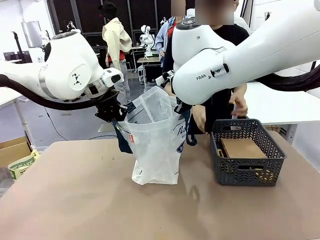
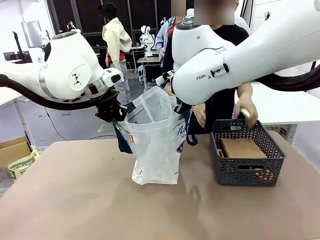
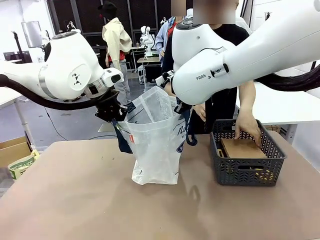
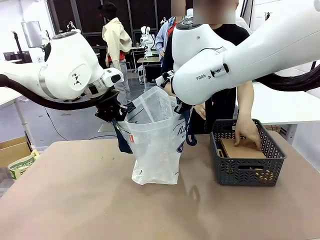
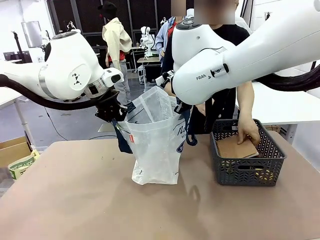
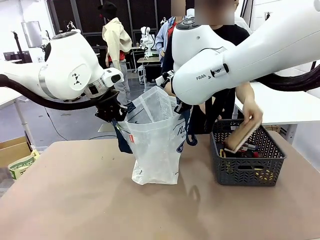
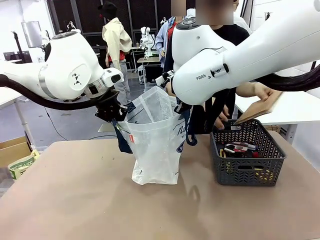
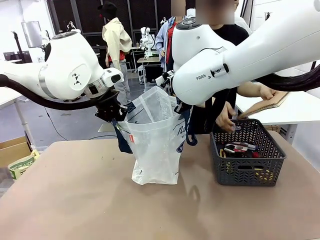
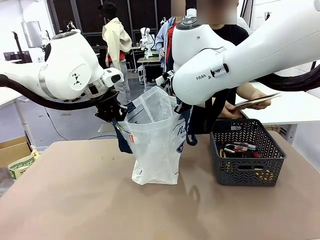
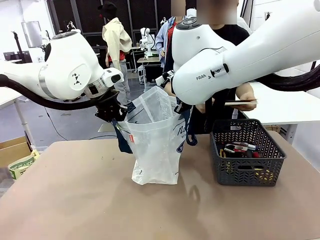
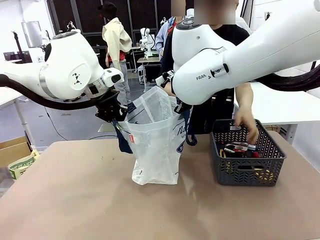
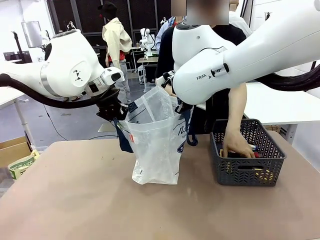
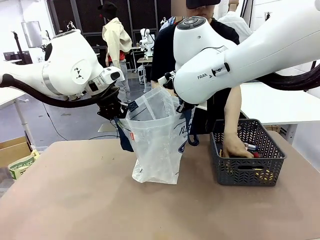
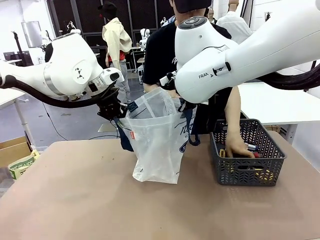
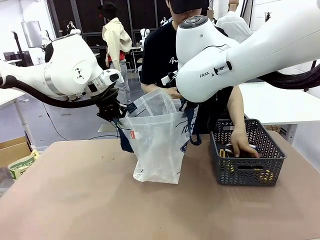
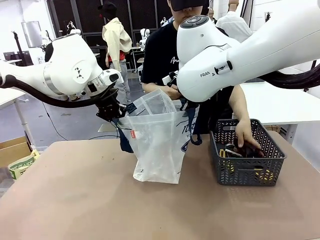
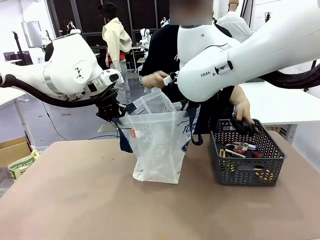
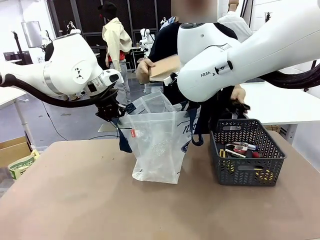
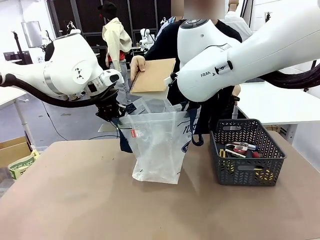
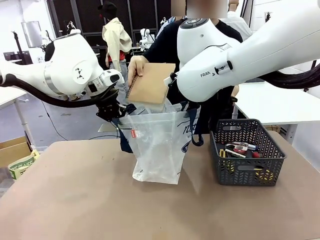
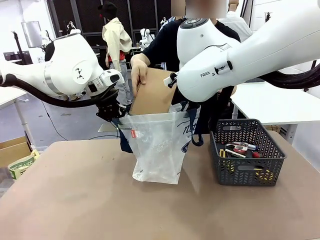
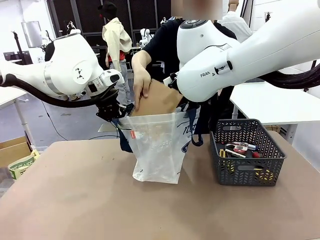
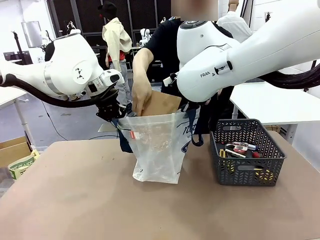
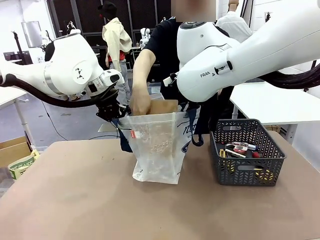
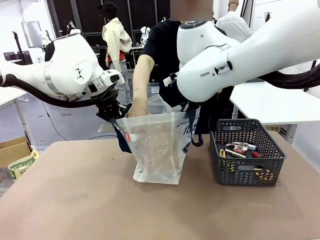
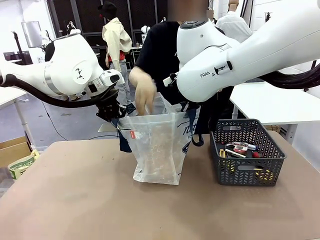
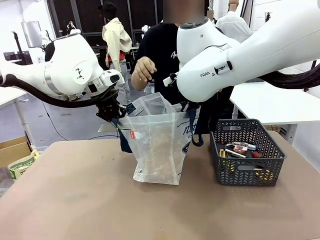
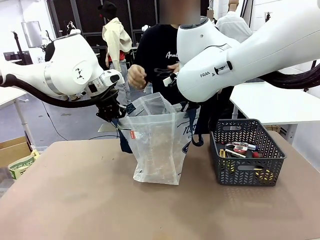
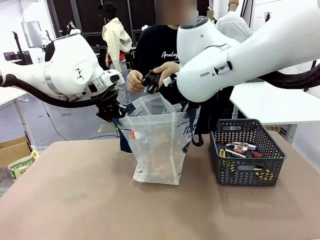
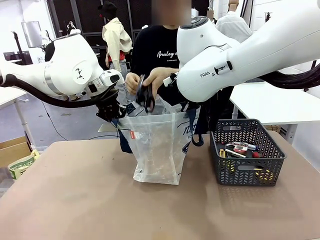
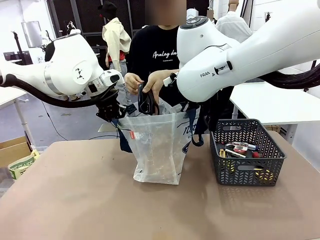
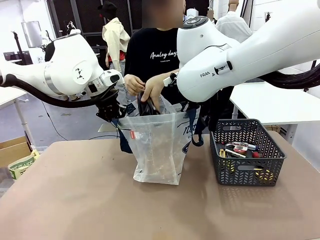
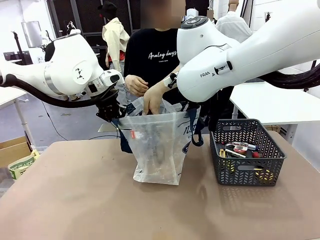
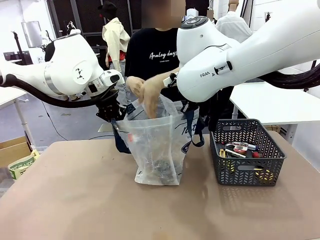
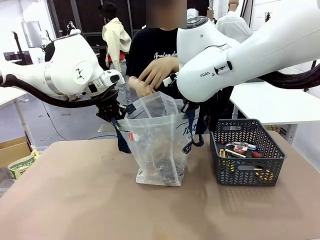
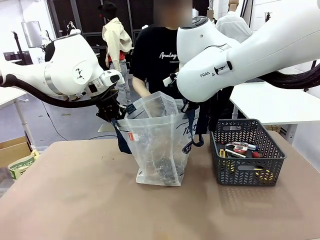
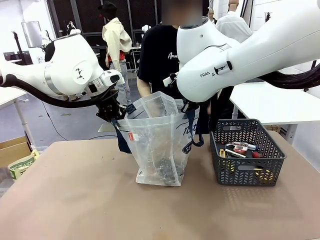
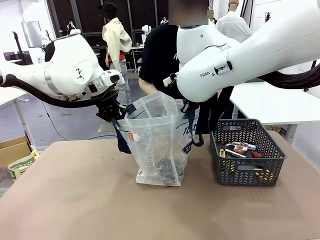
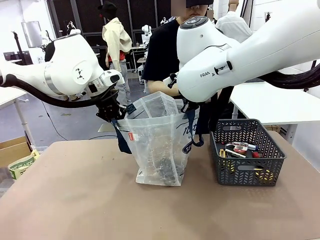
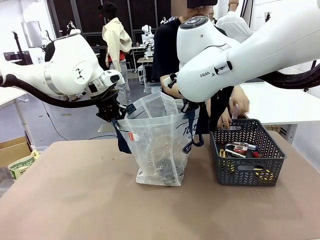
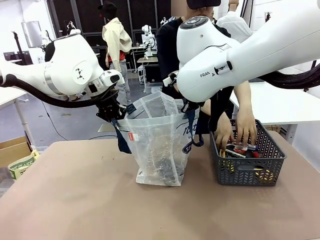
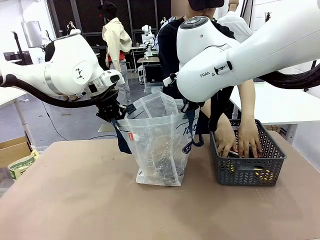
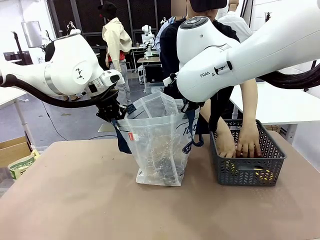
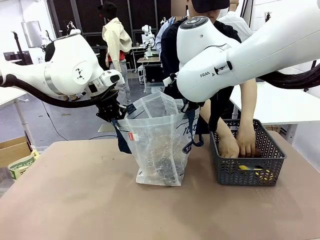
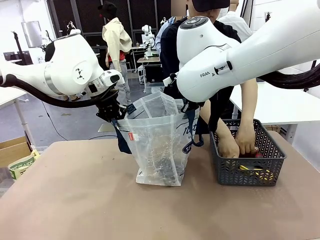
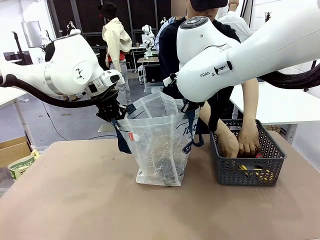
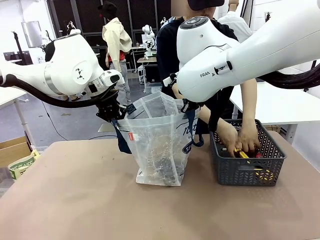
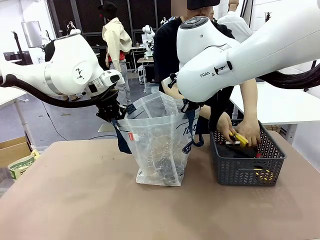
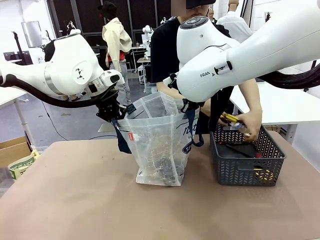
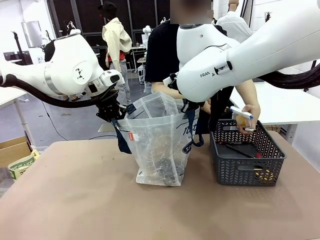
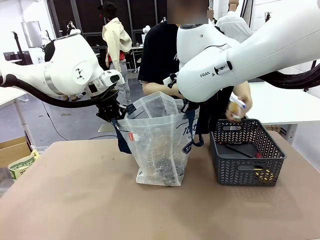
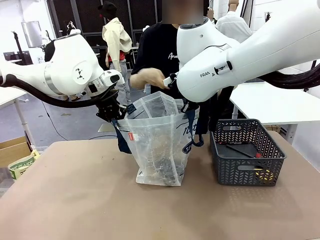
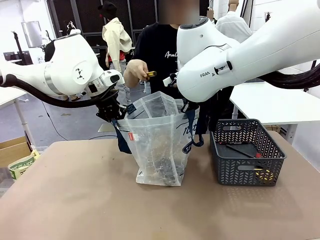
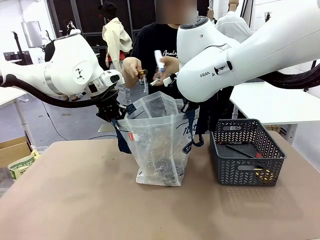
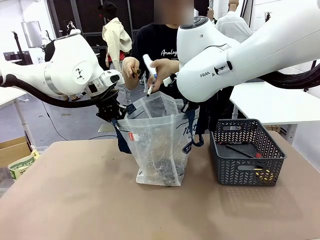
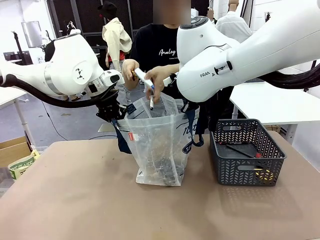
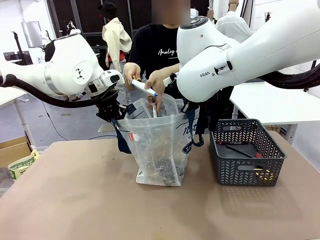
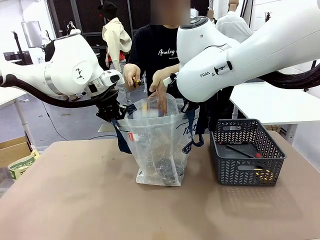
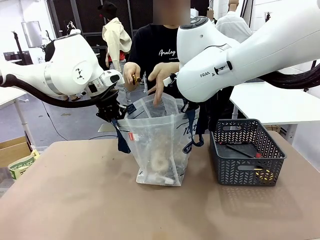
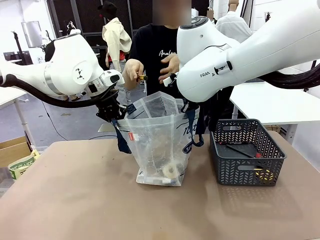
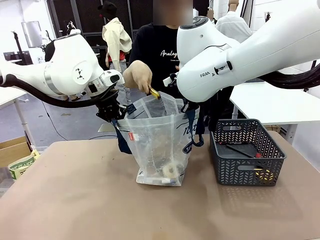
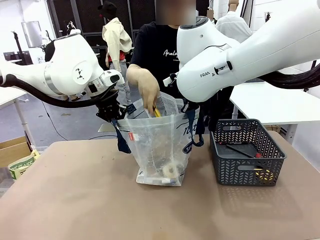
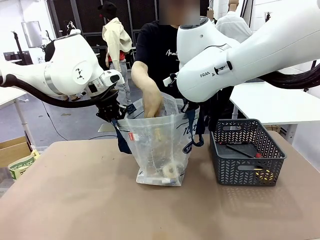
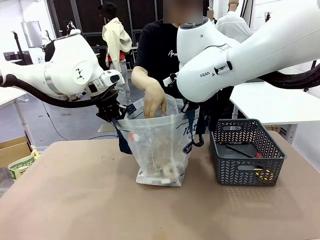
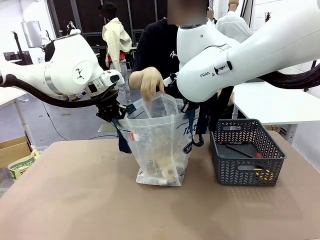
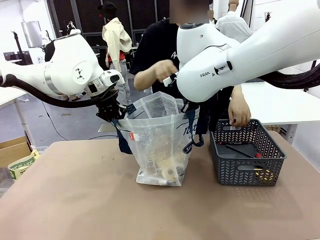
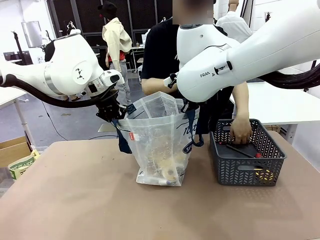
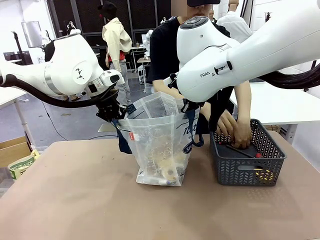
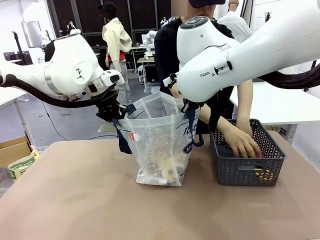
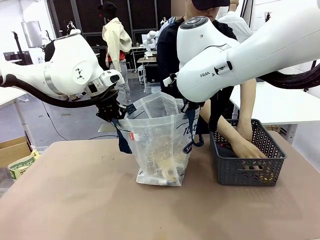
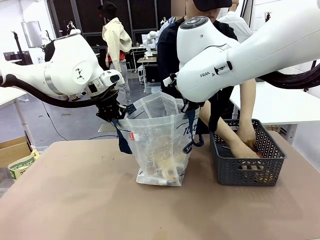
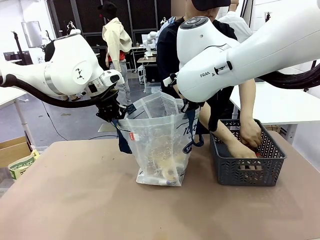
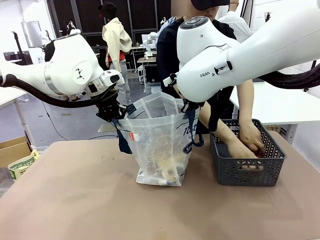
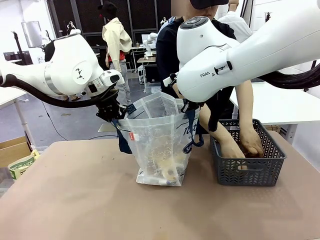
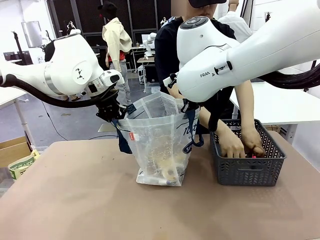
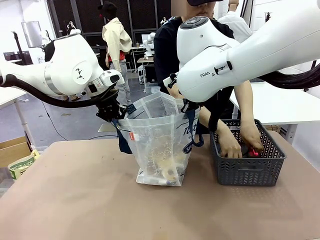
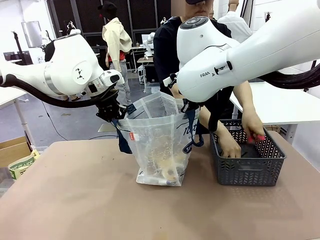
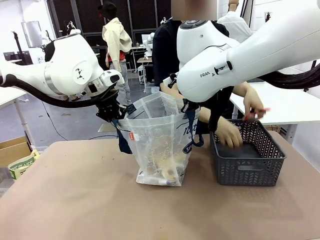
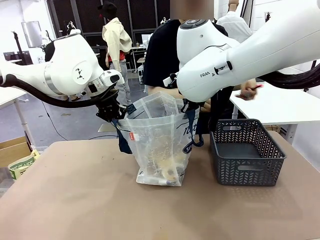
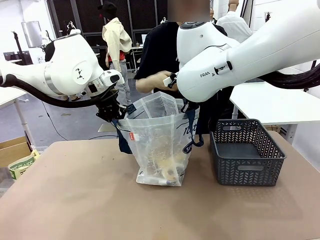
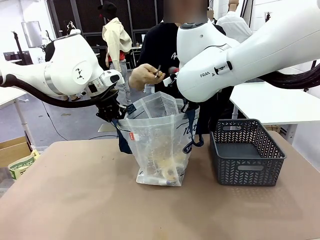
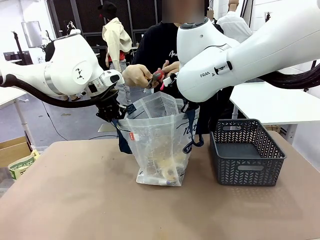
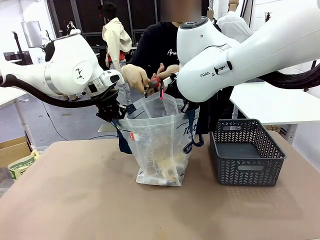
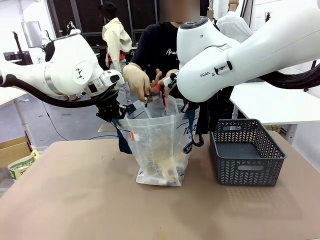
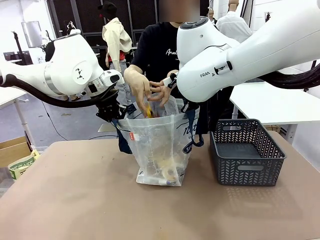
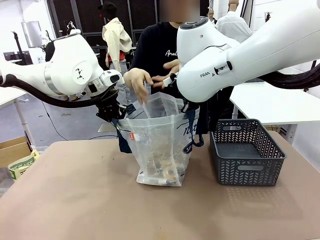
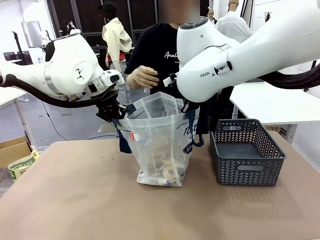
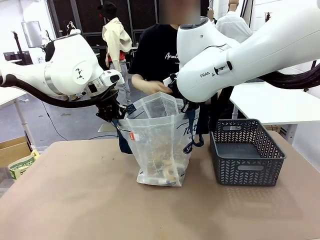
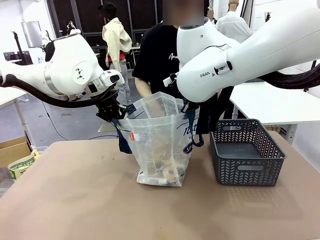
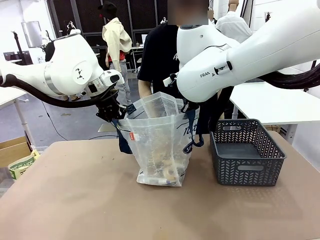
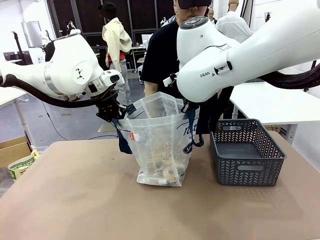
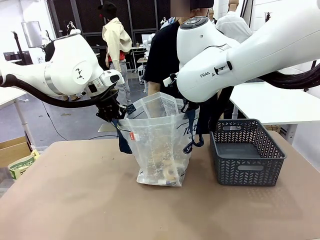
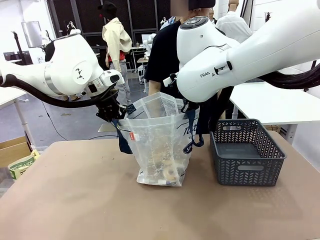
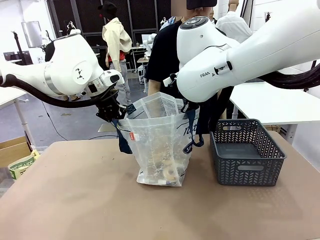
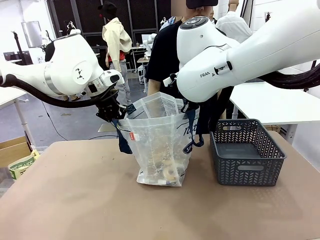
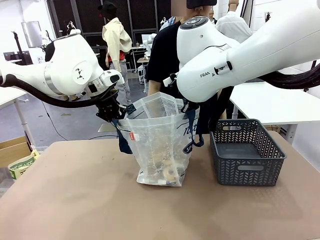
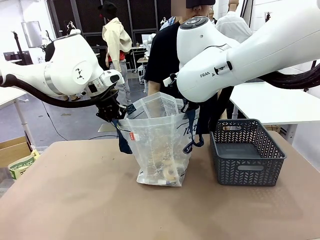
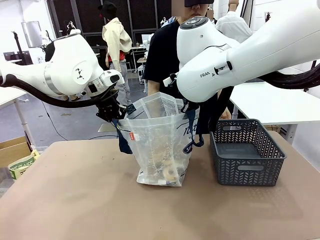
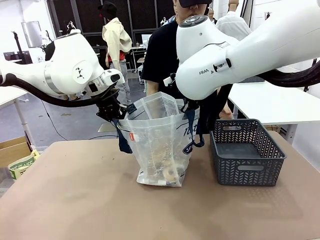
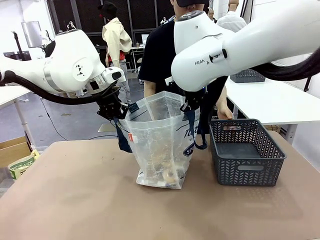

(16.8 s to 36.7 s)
Task: Transfer purchased items from the store into the shopping bag.
Robot: Move the Reusable shopping bag to the right side of the table.
Person: Pick up the basket on the right, place it on the left side of the robot table, and move the items in the basket to the shopping bag.
